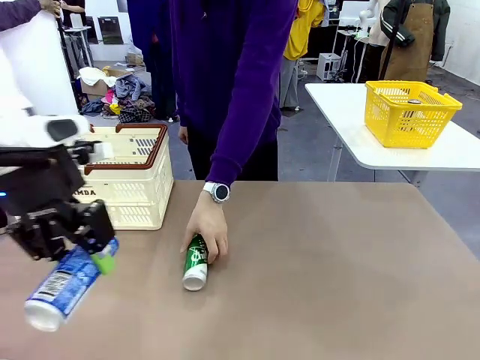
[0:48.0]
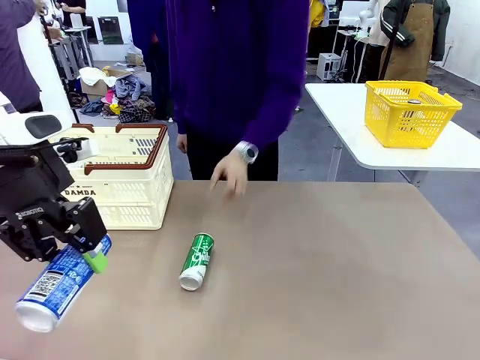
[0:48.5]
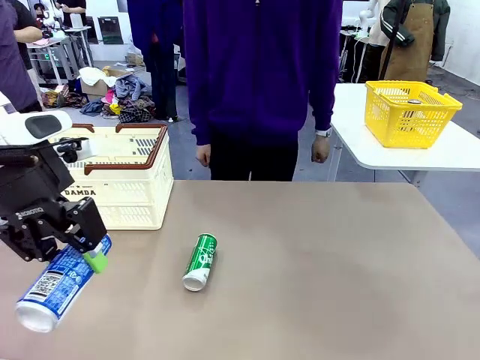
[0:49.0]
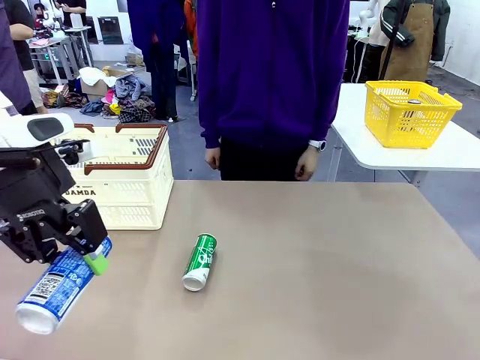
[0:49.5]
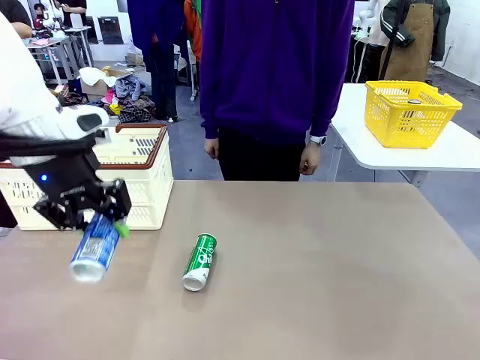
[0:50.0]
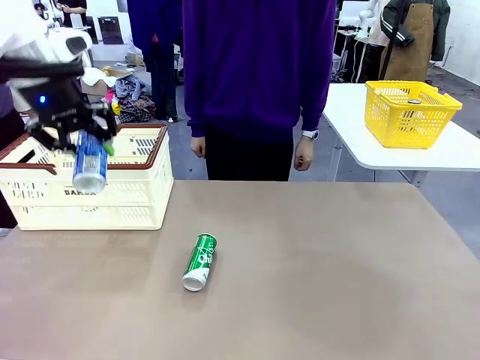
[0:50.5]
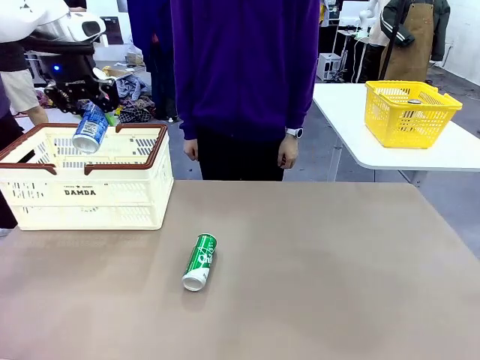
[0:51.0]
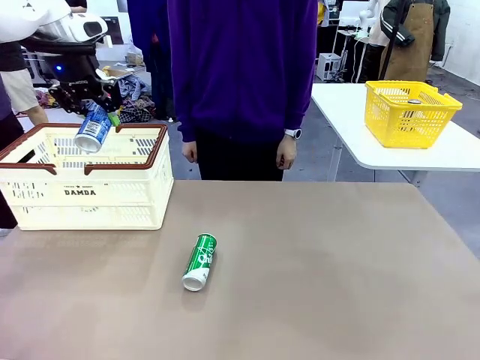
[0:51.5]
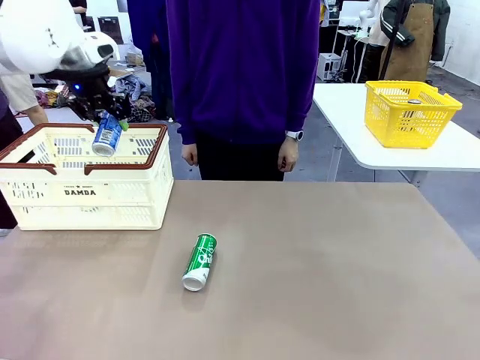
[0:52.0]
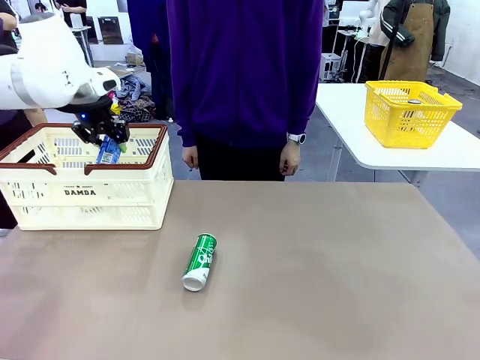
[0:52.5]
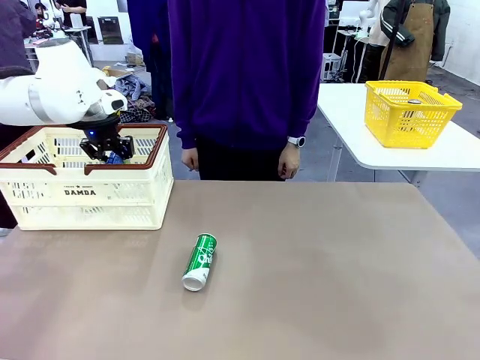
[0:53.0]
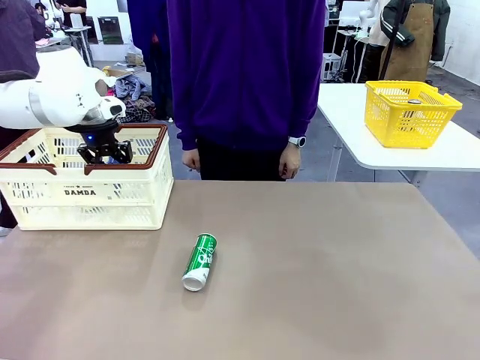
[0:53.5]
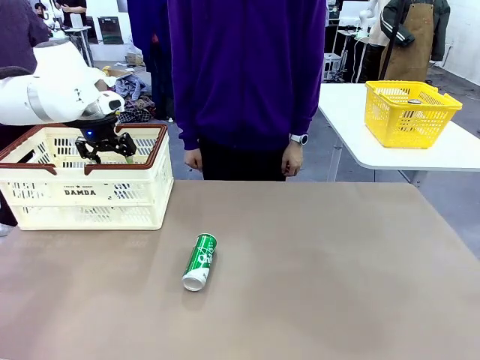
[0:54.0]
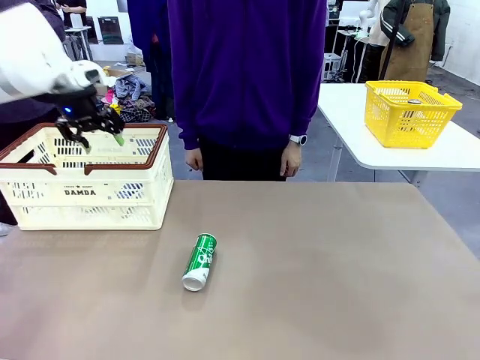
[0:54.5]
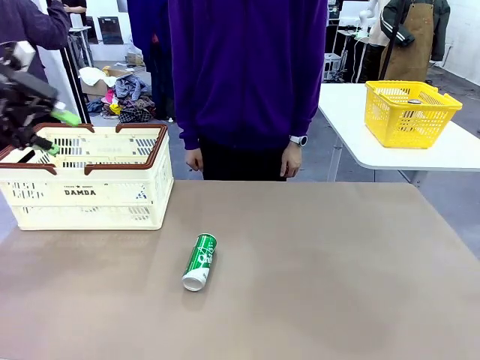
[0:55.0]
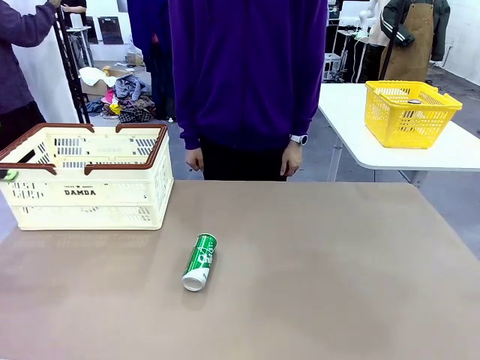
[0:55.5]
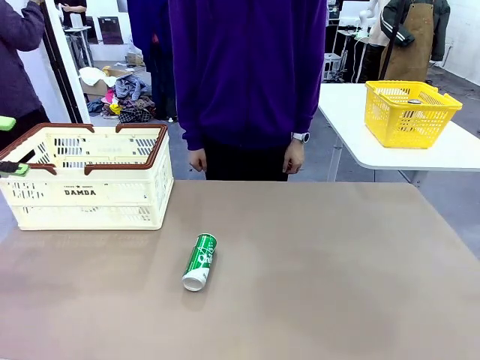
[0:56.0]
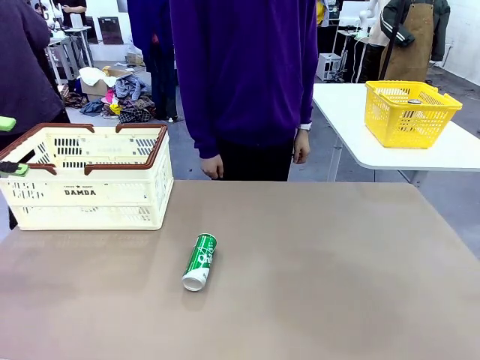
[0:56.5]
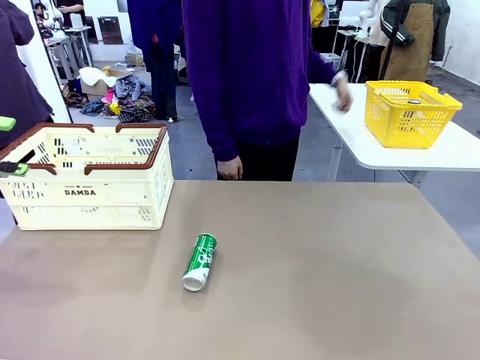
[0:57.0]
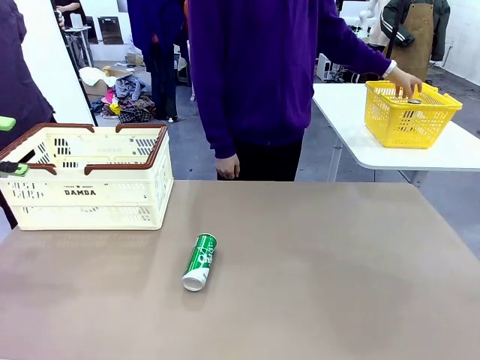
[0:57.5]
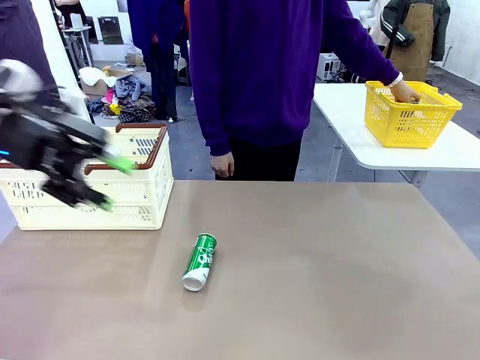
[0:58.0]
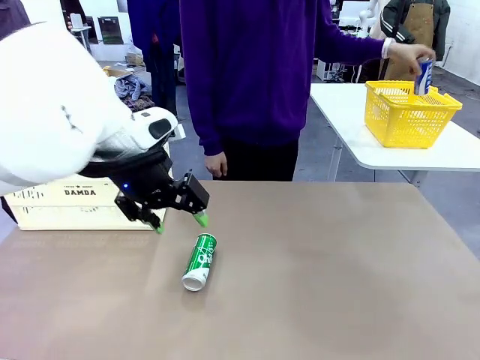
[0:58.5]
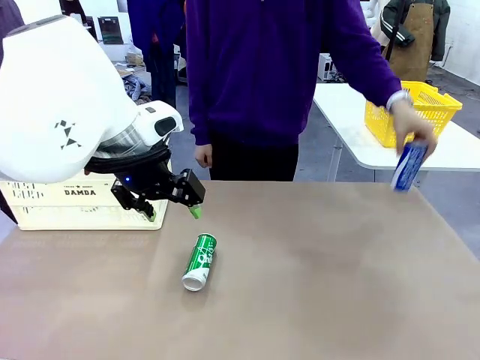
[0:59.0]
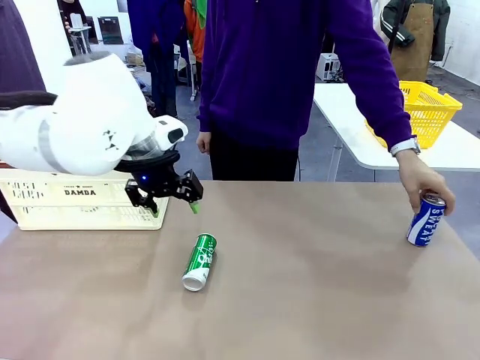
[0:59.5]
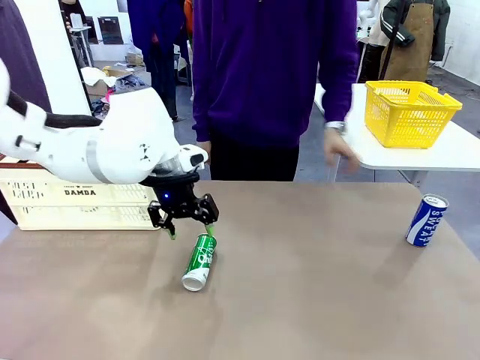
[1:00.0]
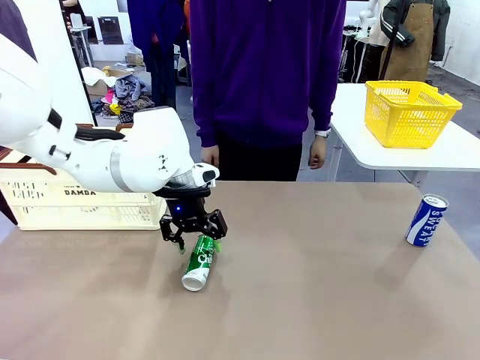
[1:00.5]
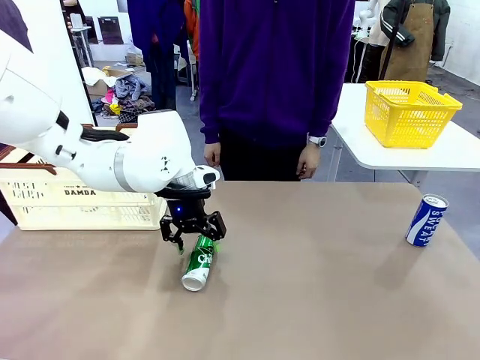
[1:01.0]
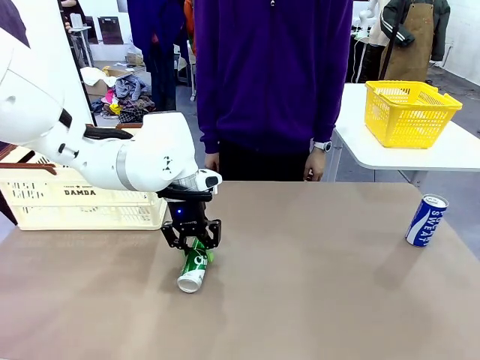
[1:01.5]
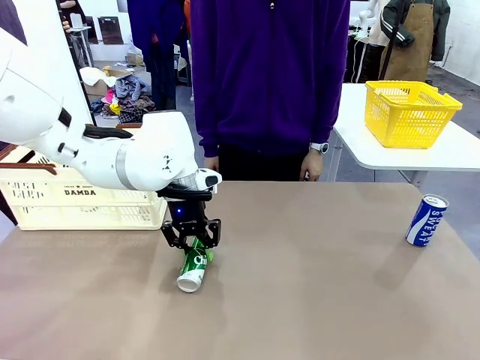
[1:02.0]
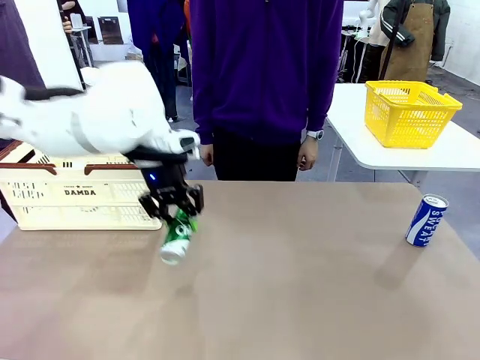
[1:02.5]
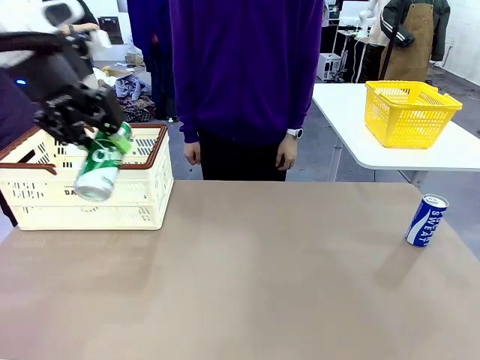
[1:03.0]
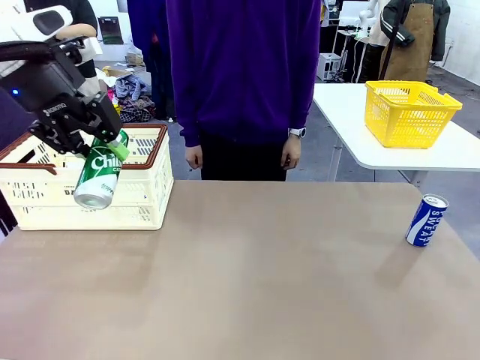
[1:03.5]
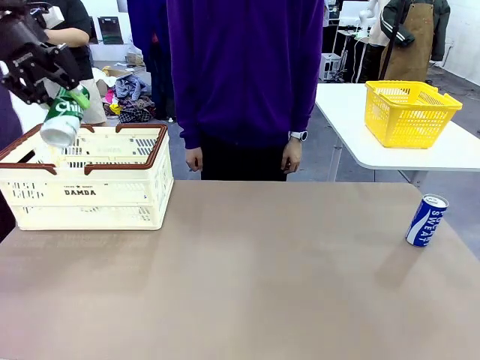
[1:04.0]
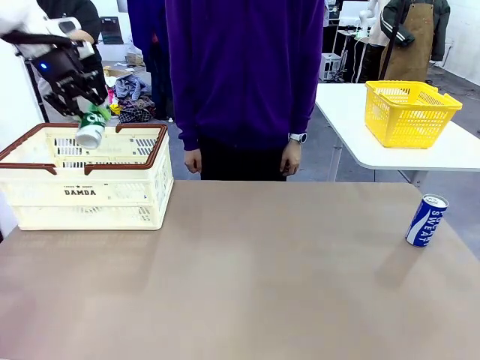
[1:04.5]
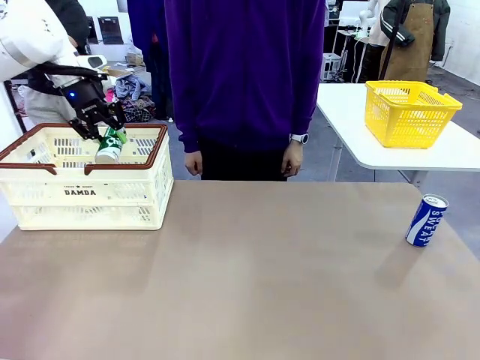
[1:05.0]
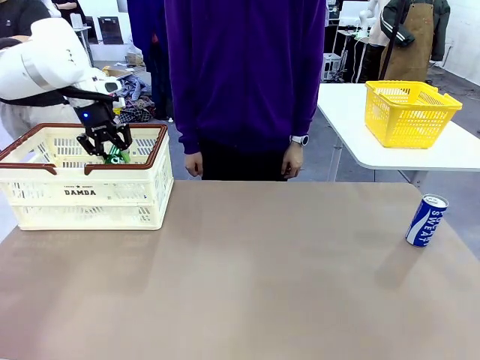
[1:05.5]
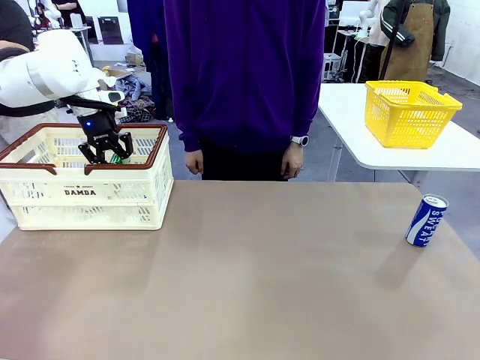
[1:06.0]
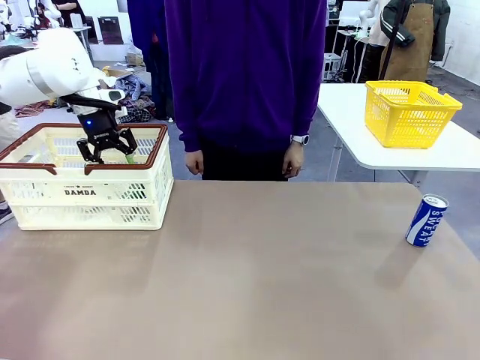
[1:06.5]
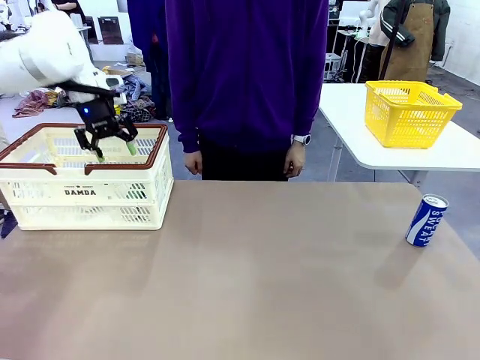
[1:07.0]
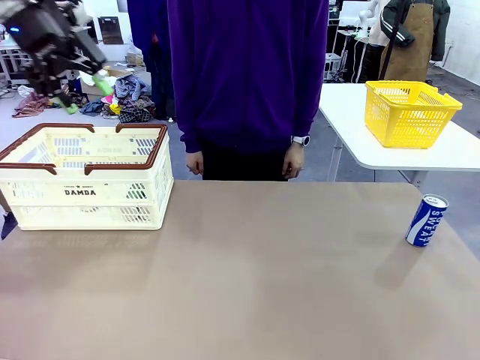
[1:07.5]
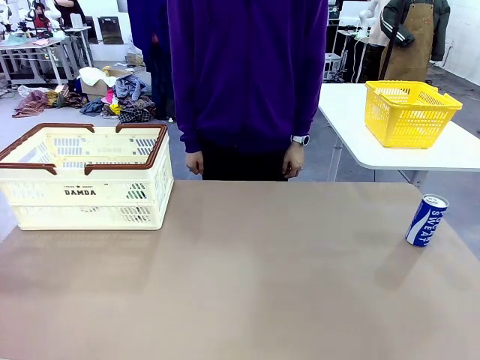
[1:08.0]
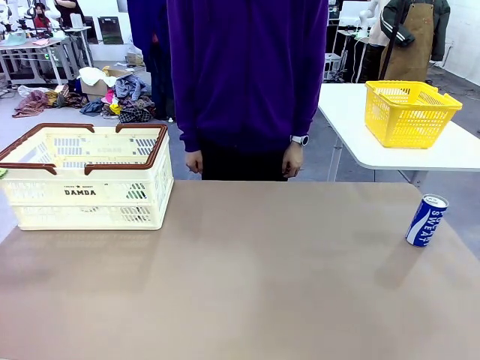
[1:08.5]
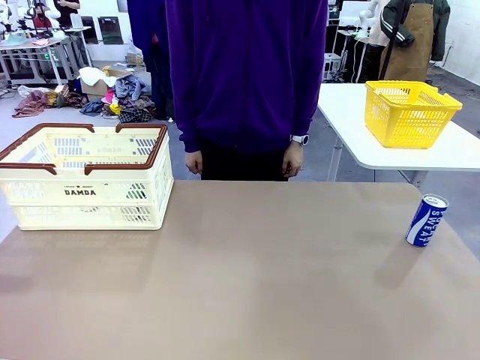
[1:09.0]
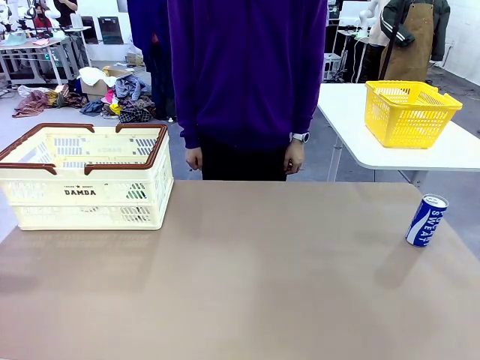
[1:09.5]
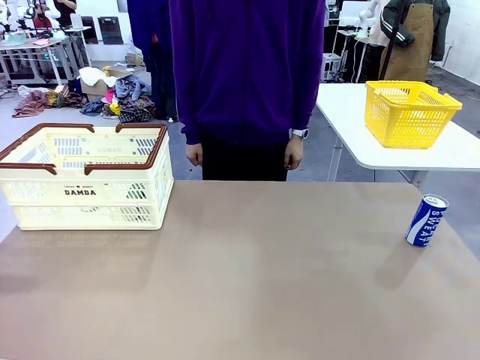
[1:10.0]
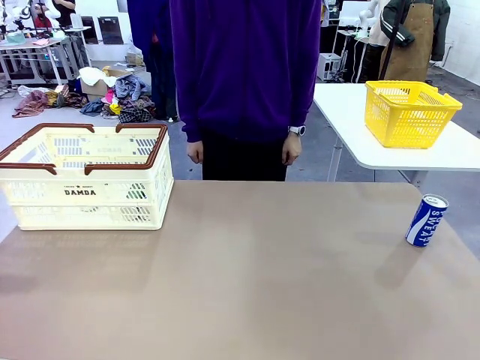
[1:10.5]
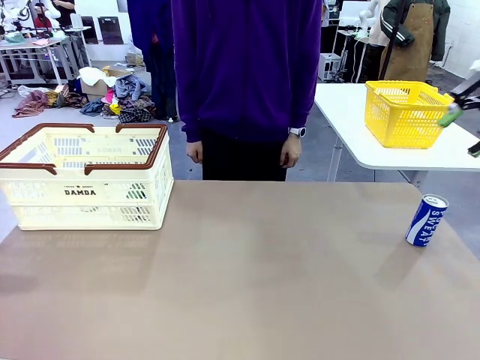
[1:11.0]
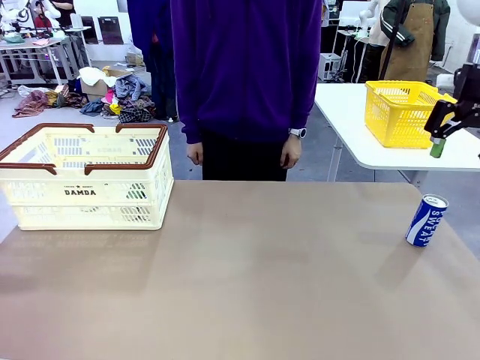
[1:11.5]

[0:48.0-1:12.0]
Task: Place the drinks into the Shopping basket.
Robot: Pick up one drink and place it into the Shopping basket.
